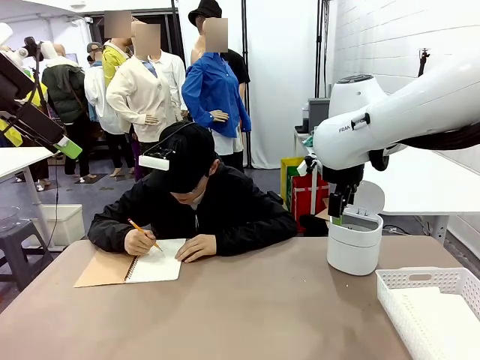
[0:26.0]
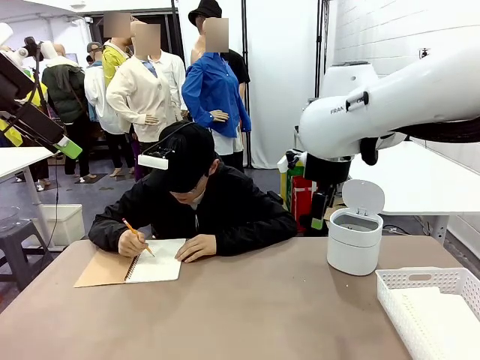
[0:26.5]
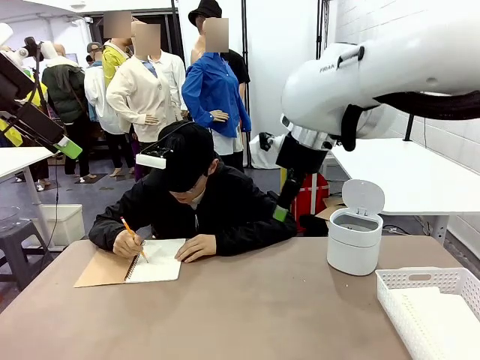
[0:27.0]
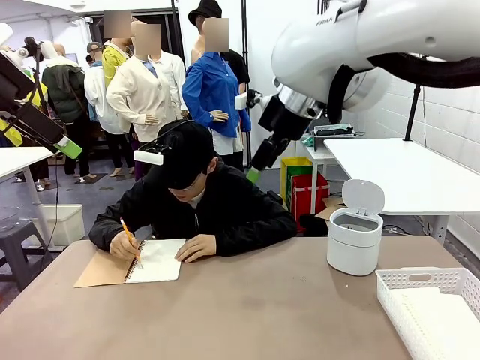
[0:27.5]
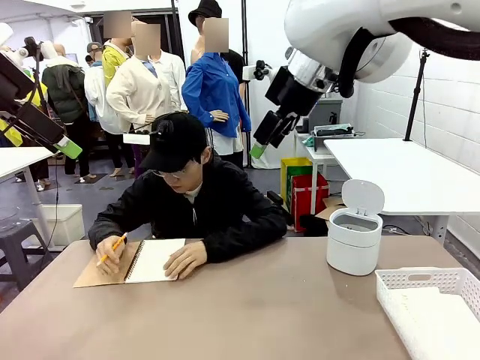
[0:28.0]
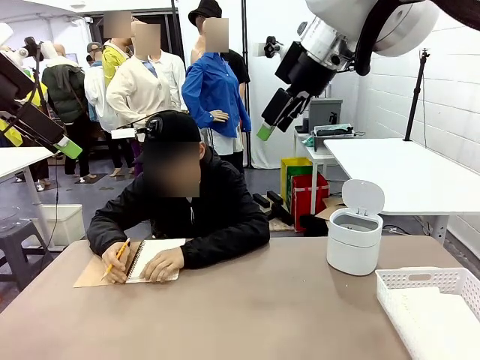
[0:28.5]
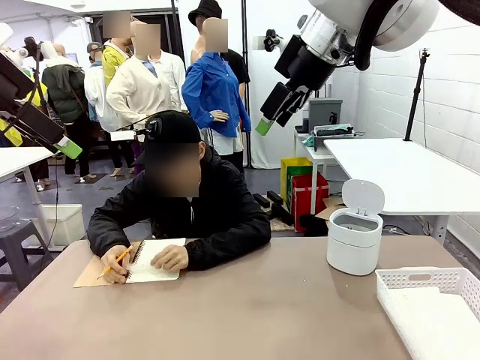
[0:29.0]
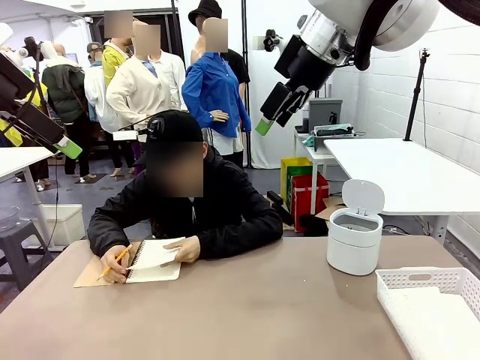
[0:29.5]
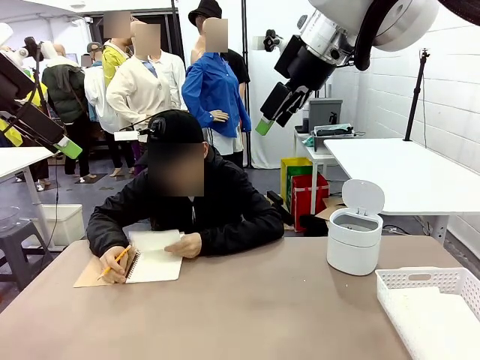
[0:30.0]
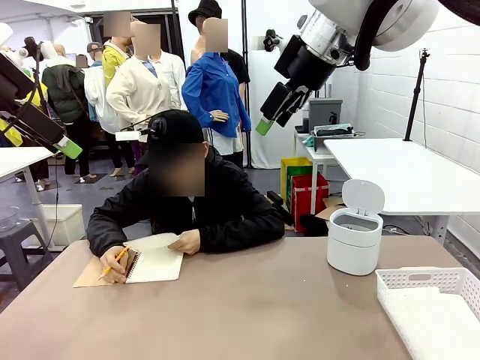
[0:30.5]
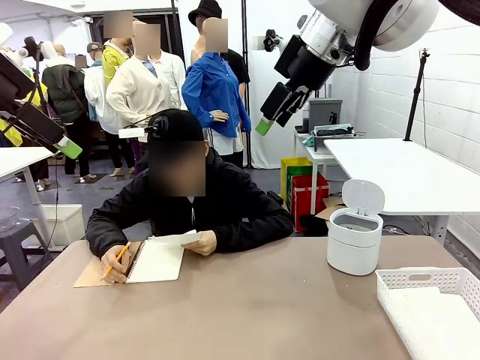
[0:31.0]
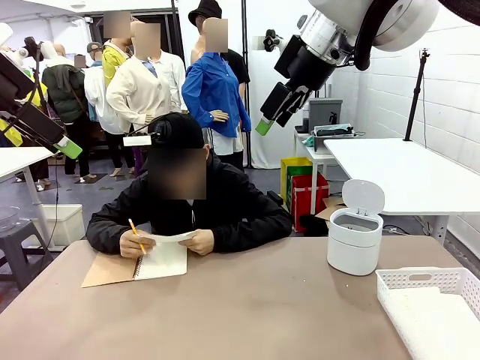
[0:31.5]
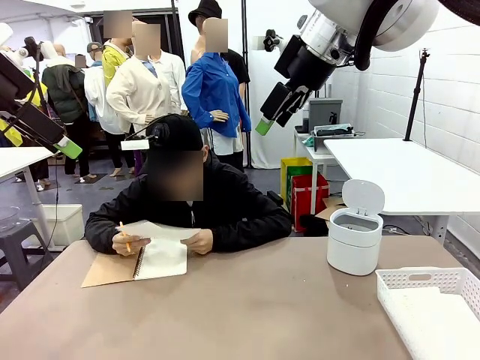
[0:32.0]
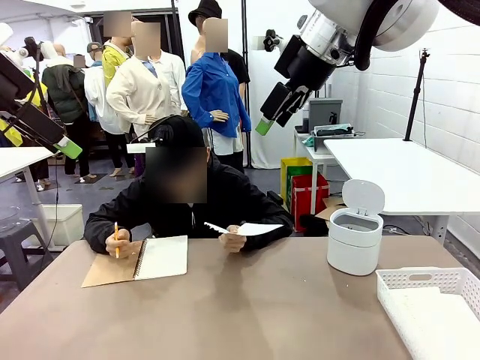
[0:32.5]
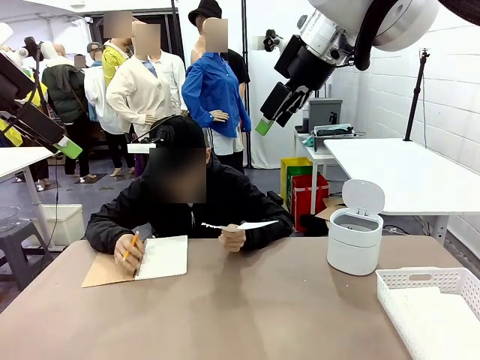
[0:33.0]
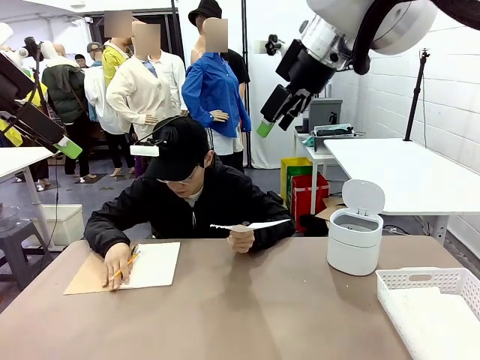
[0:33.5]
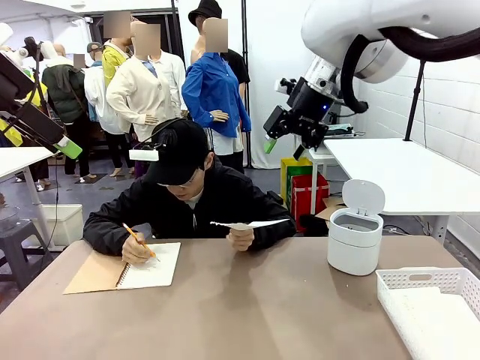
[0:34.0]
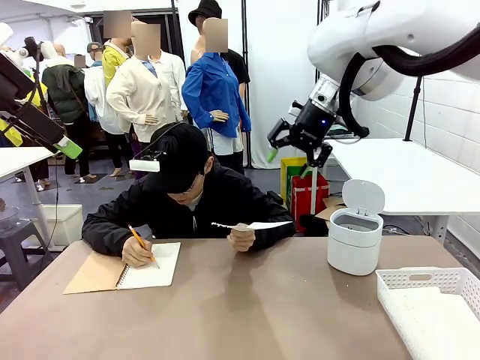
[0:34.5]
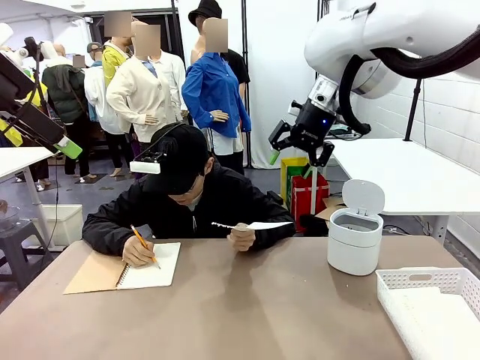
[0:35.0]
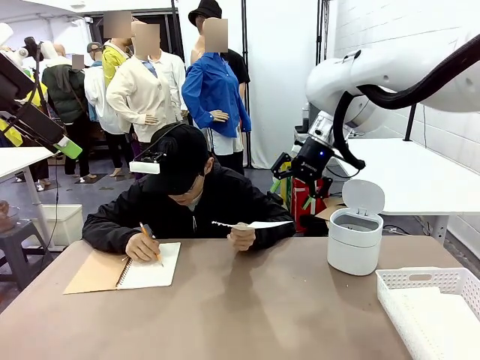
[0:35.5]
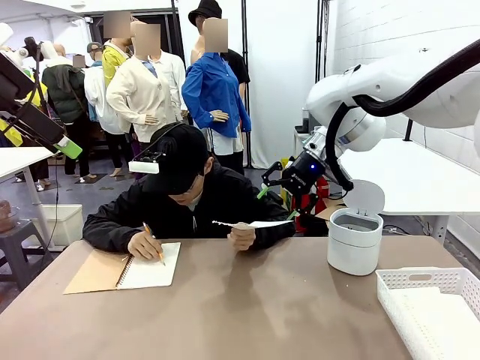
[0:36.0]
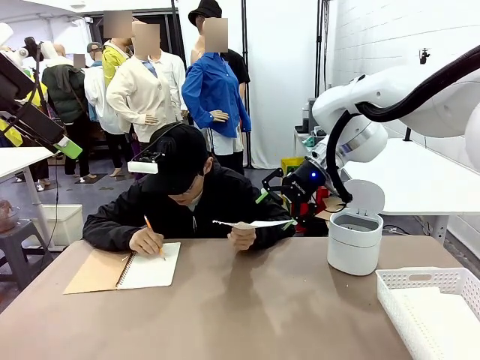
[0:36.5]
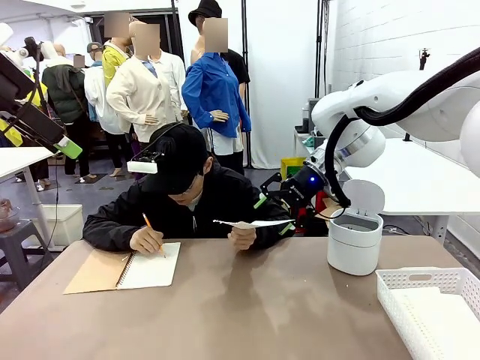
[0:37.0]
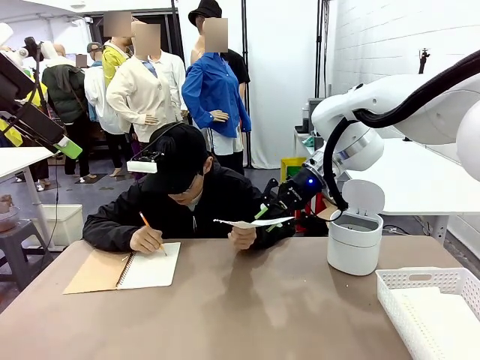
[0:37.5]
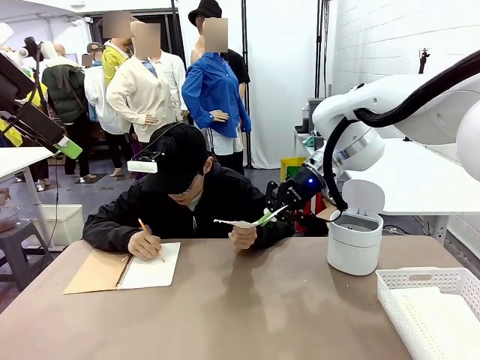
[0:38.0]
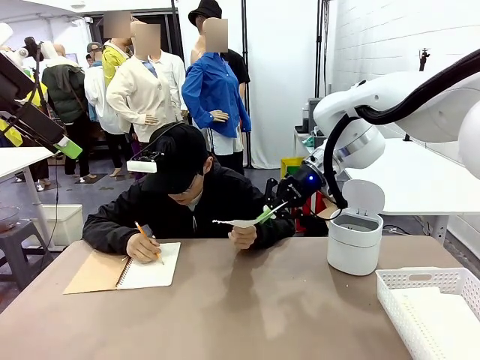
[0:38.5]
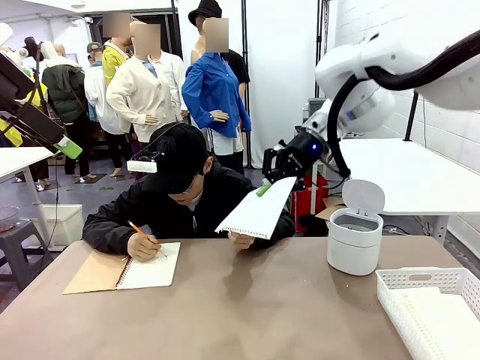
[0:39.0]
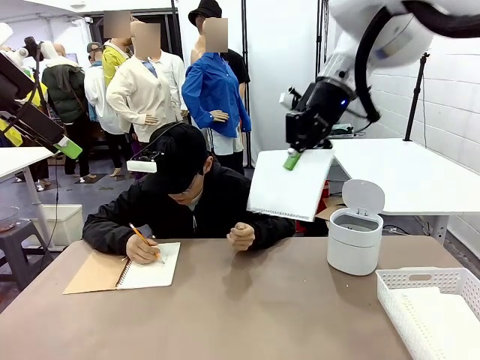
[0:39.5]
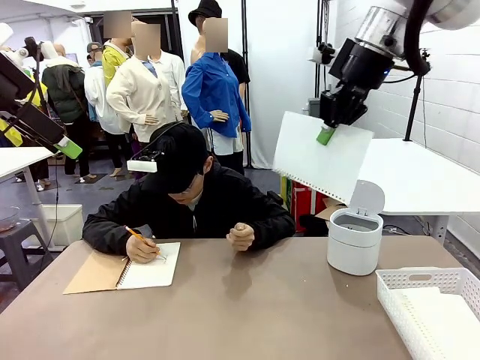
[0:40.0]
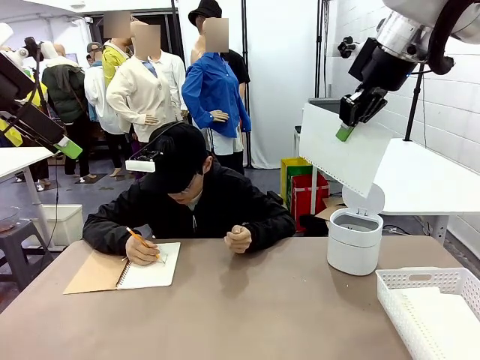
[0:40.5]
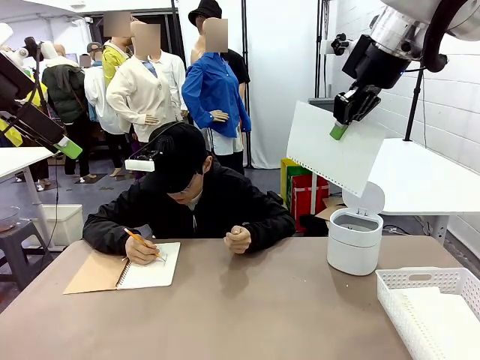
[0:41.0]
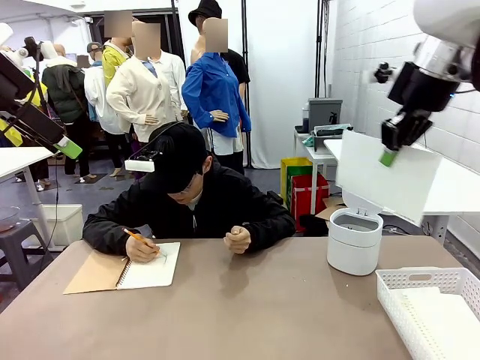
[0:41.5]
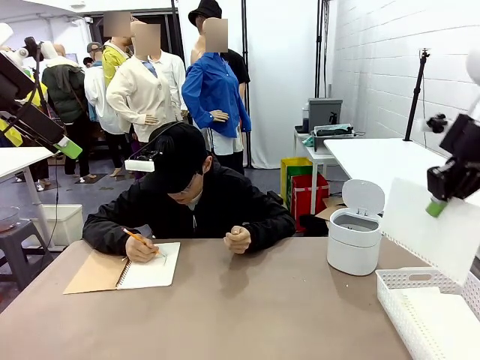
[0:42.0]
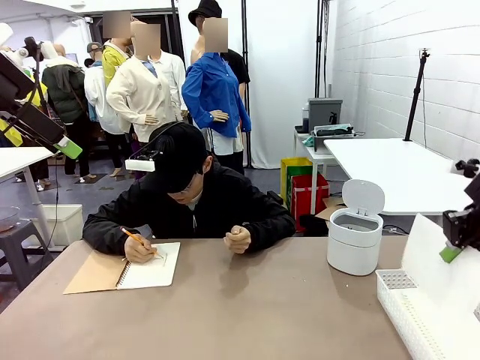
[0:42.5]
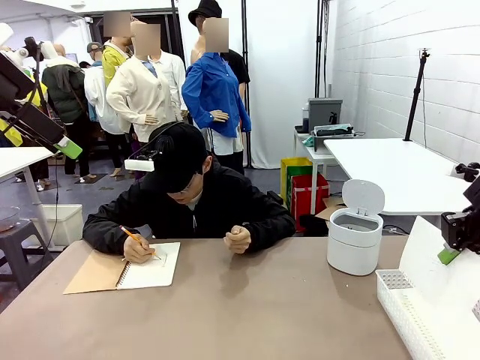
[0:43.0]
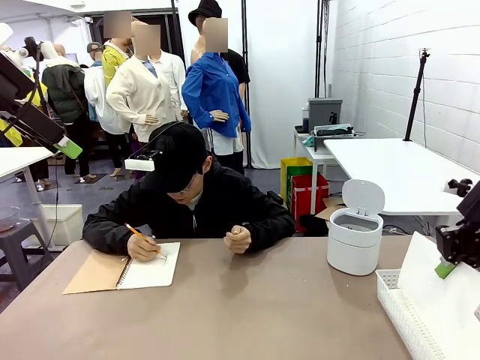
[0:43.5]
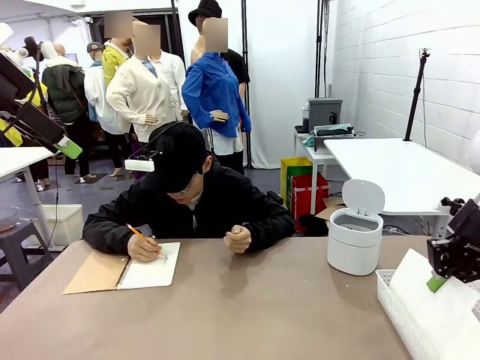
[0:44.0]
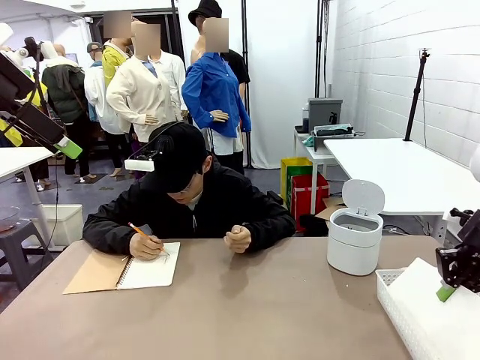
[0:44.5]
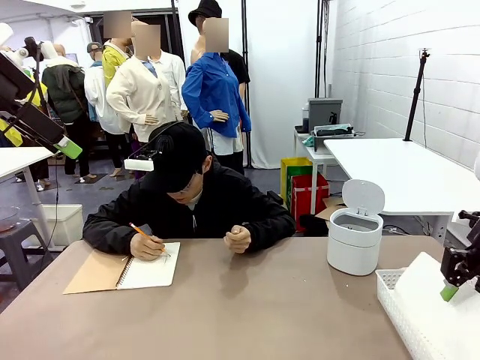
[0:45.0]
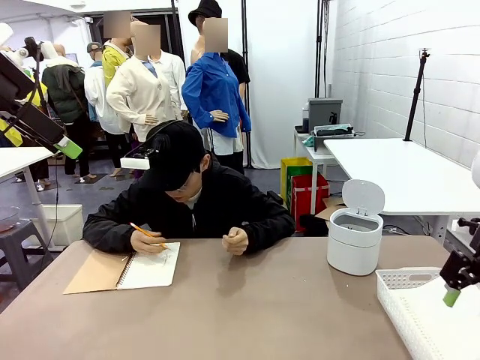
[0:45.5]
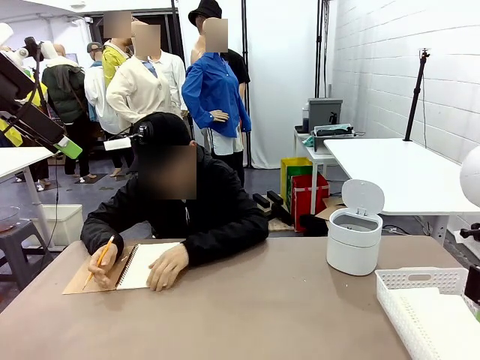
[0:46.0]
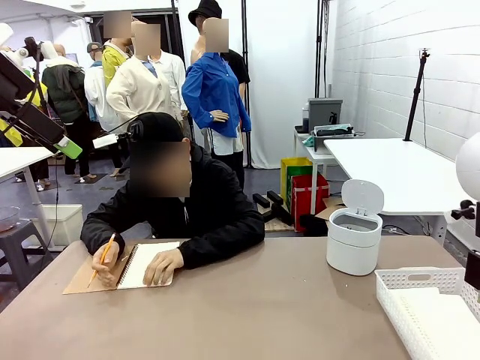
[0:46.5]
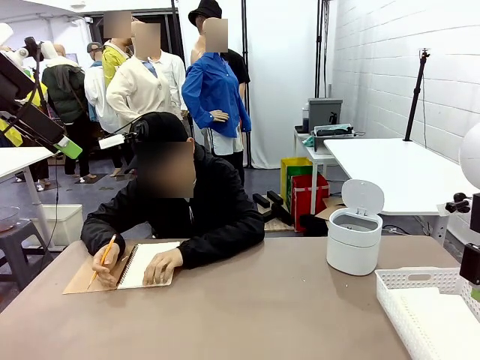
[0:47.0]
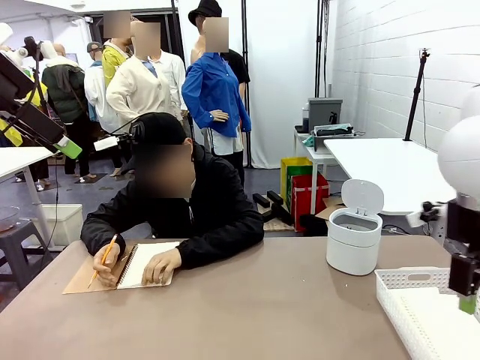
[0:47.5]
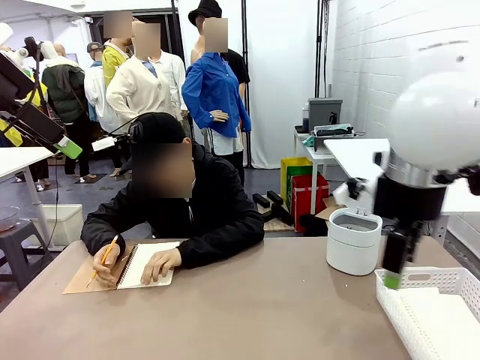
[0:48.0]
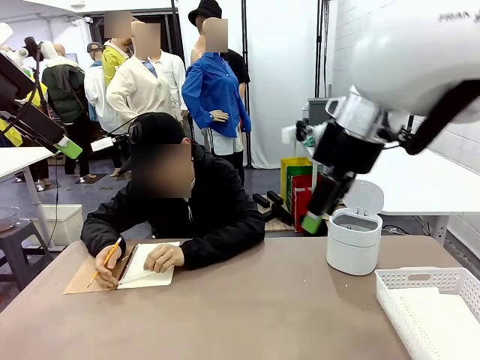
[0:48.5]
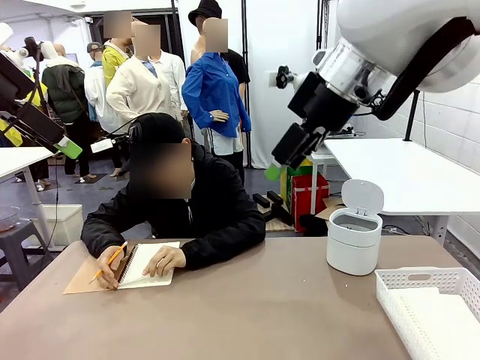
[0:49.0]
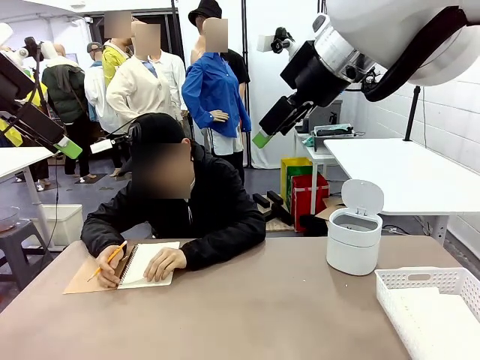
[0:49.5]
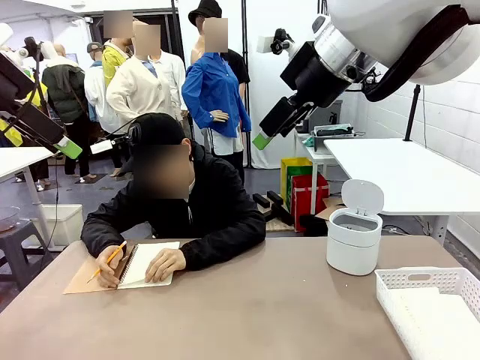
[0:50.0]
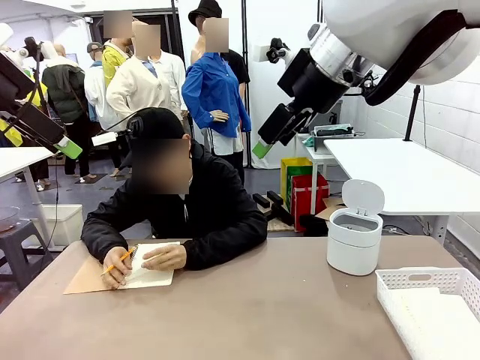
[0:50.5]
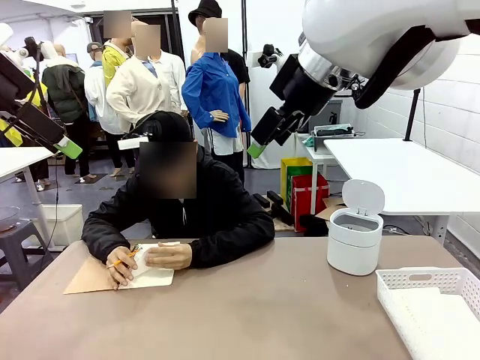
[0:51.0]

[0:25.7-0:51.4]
Task: Sort the paper based on its condition.
Robot: If a person hands you a paper, place it in the Organizing basket , and if it's crumpled, put it in the Trash can.
Person: Hand the torn page to the robot or crumple it and throw it to the center of the table. Tear out a page from the spiral notebook.
